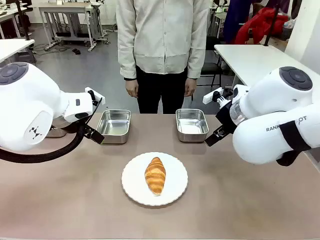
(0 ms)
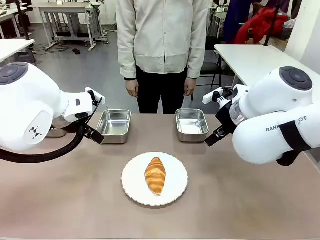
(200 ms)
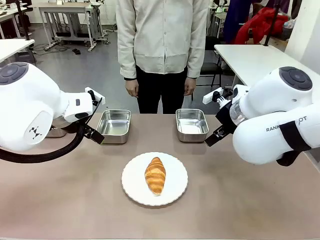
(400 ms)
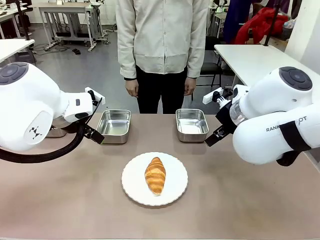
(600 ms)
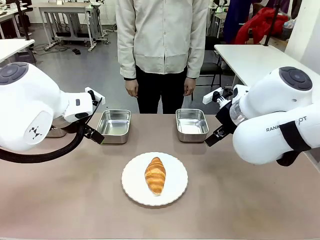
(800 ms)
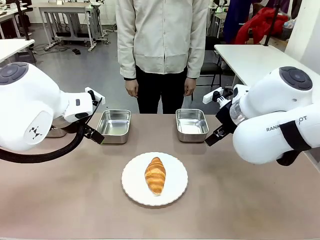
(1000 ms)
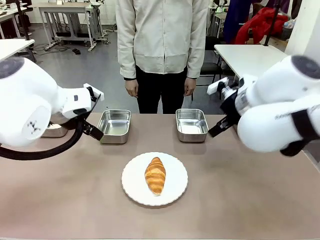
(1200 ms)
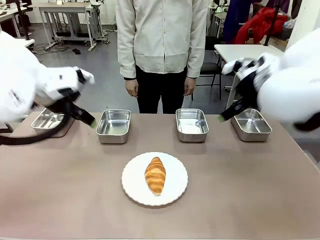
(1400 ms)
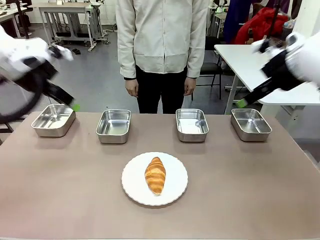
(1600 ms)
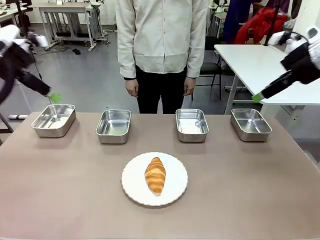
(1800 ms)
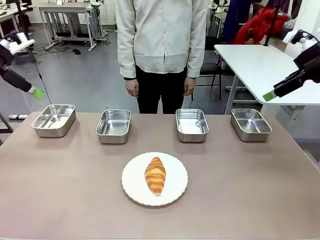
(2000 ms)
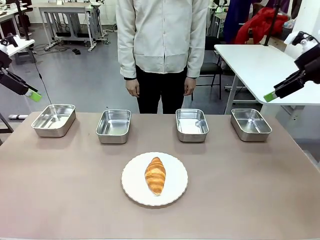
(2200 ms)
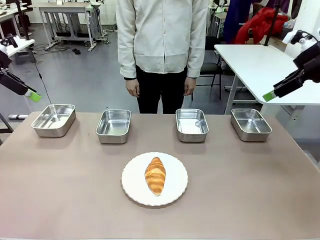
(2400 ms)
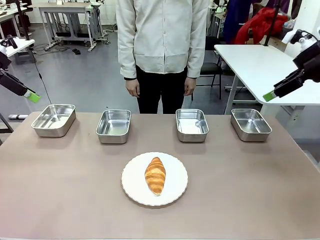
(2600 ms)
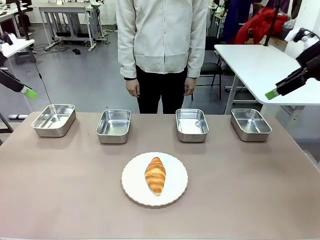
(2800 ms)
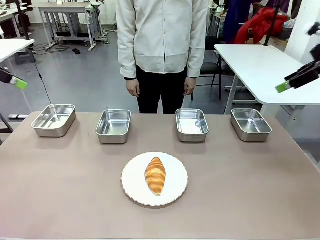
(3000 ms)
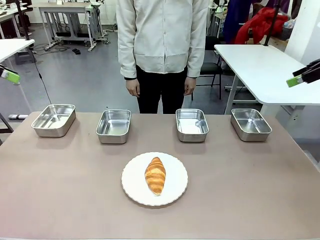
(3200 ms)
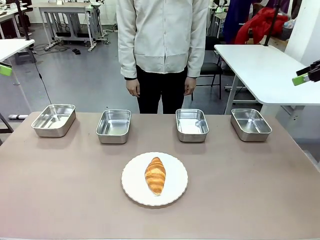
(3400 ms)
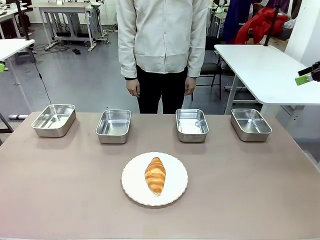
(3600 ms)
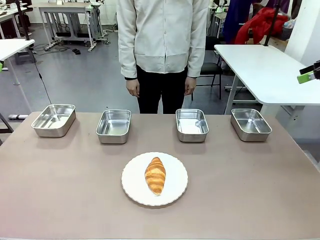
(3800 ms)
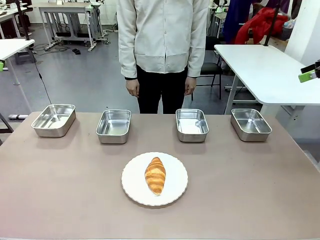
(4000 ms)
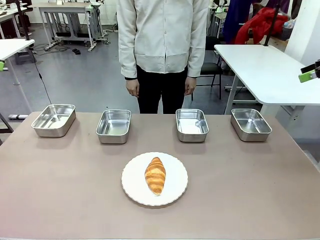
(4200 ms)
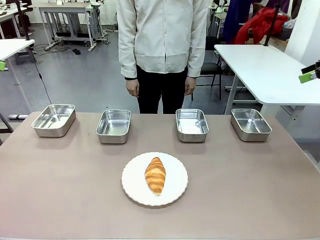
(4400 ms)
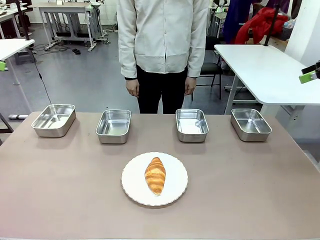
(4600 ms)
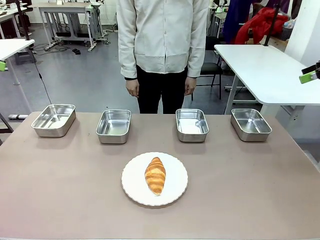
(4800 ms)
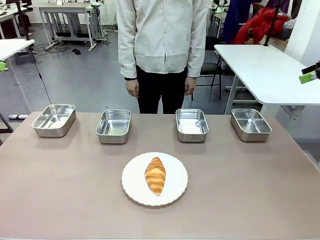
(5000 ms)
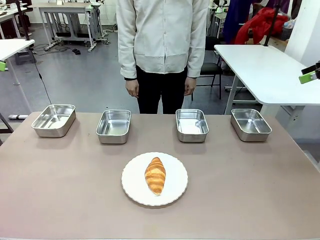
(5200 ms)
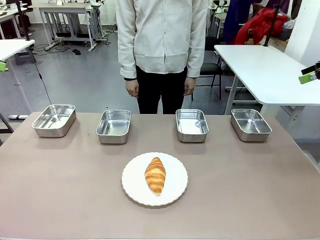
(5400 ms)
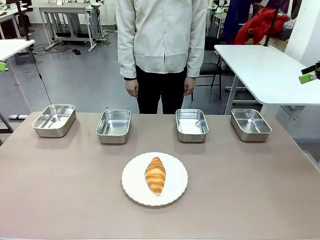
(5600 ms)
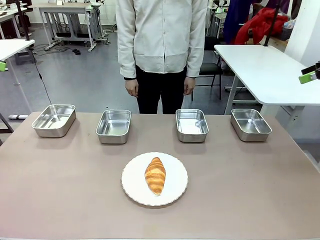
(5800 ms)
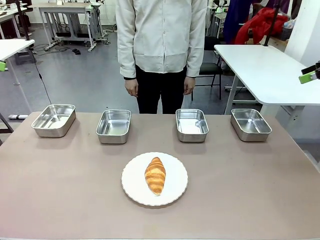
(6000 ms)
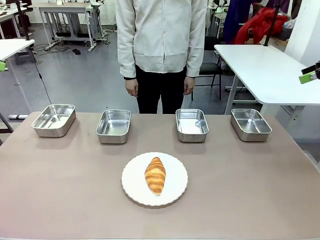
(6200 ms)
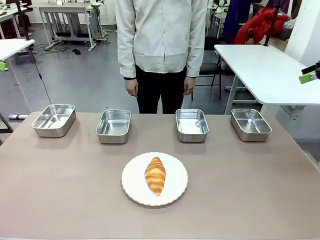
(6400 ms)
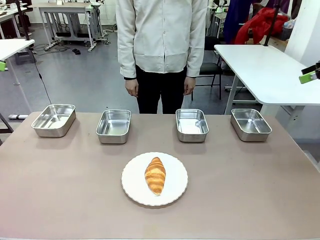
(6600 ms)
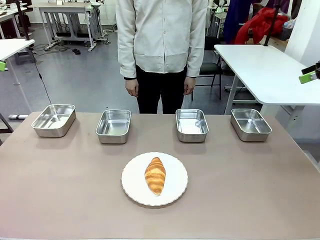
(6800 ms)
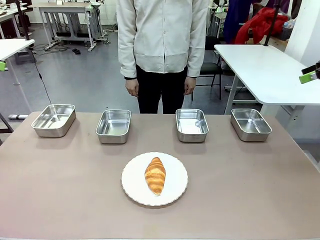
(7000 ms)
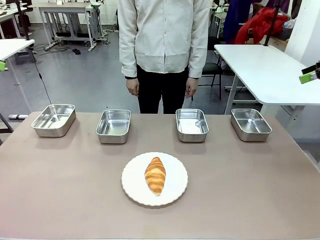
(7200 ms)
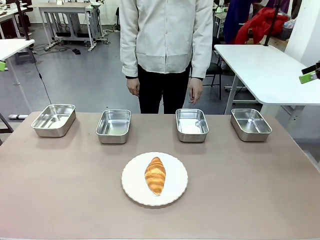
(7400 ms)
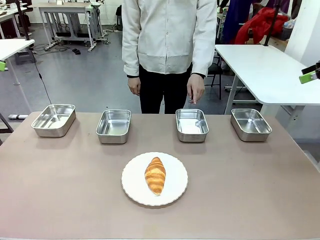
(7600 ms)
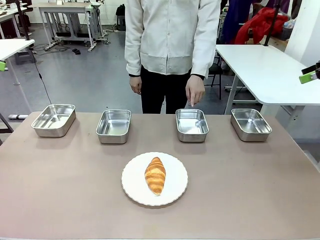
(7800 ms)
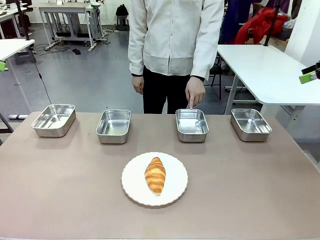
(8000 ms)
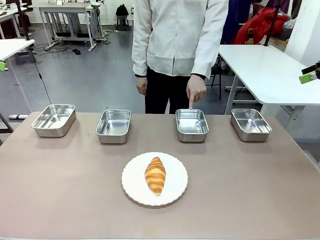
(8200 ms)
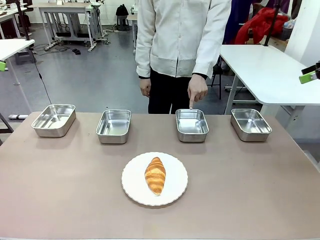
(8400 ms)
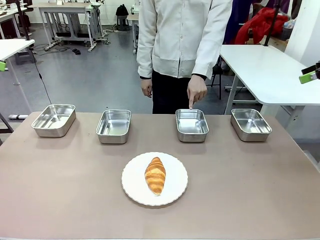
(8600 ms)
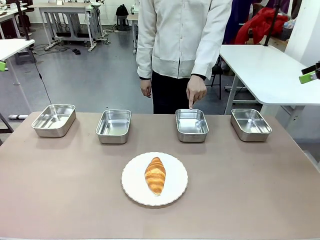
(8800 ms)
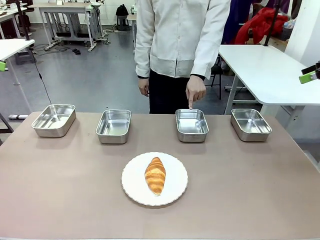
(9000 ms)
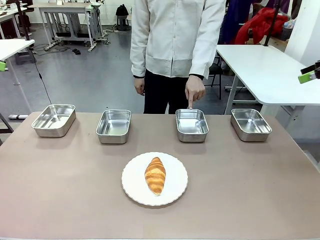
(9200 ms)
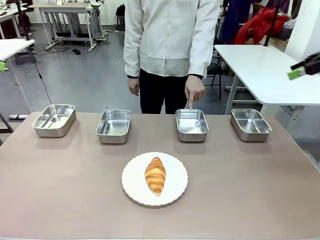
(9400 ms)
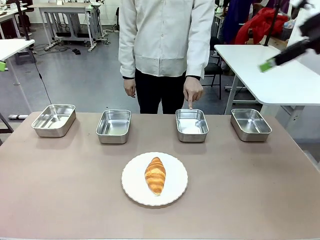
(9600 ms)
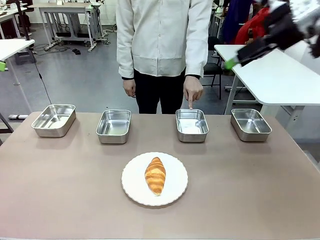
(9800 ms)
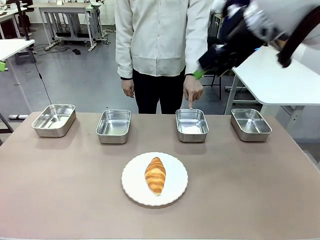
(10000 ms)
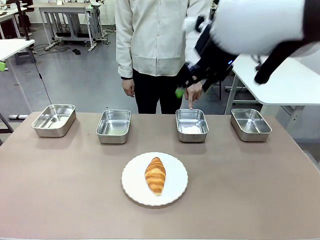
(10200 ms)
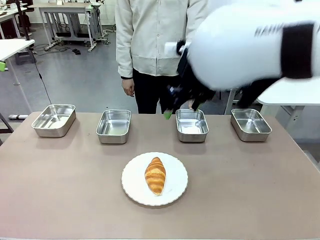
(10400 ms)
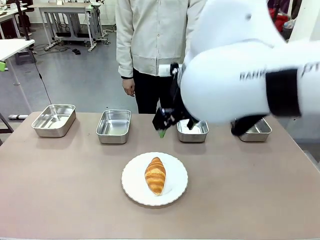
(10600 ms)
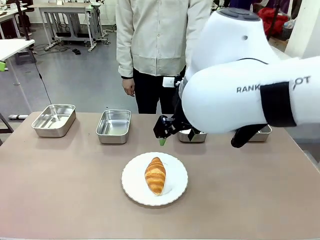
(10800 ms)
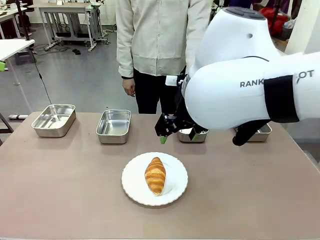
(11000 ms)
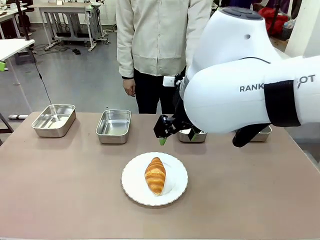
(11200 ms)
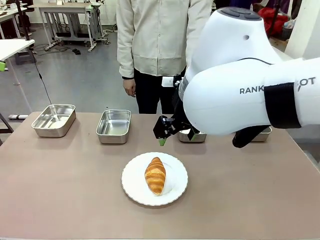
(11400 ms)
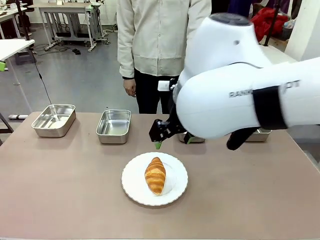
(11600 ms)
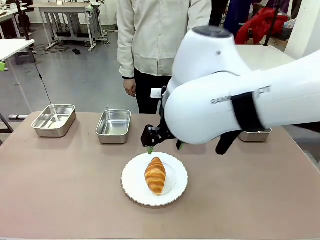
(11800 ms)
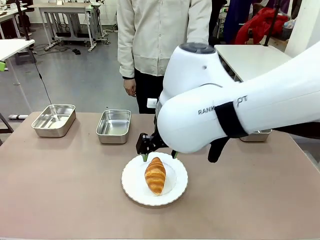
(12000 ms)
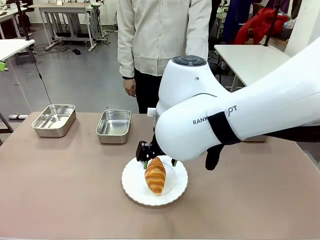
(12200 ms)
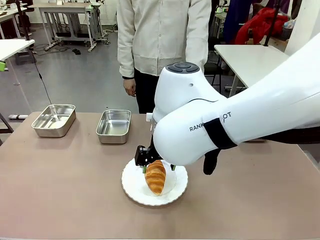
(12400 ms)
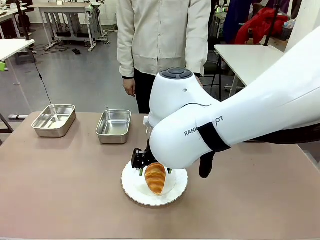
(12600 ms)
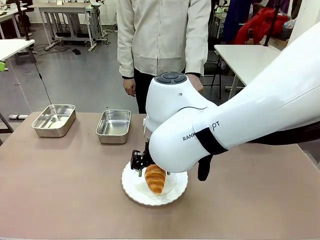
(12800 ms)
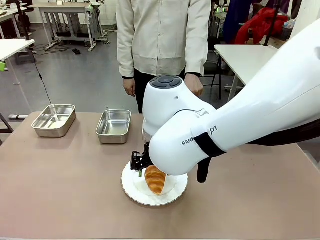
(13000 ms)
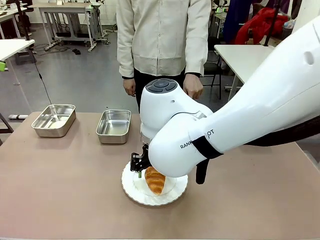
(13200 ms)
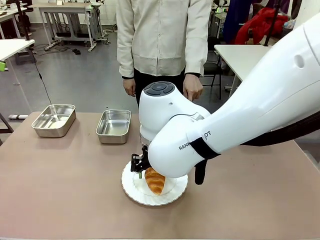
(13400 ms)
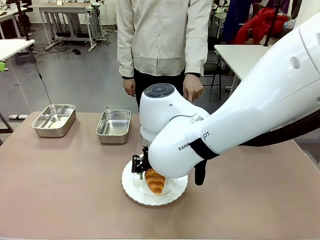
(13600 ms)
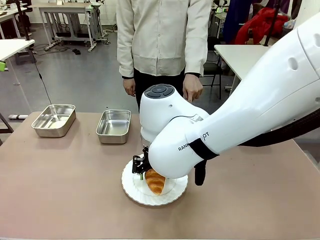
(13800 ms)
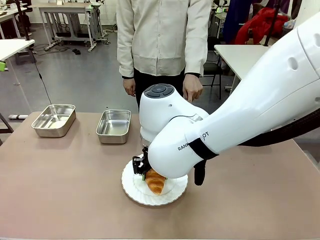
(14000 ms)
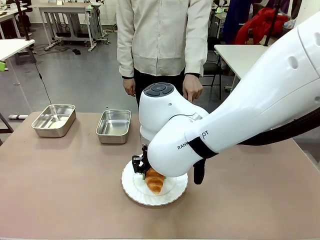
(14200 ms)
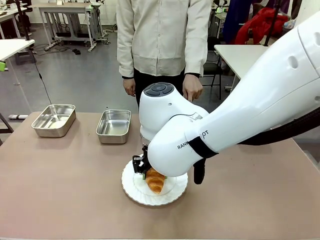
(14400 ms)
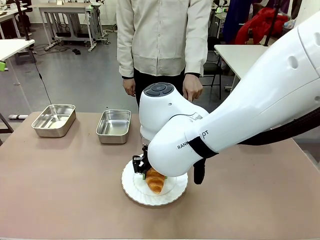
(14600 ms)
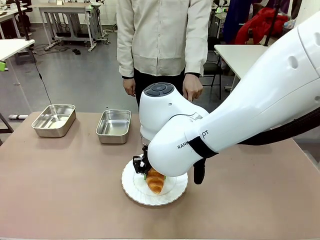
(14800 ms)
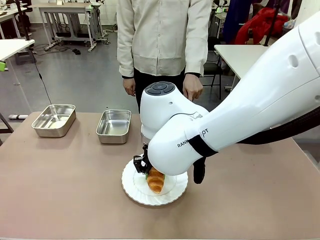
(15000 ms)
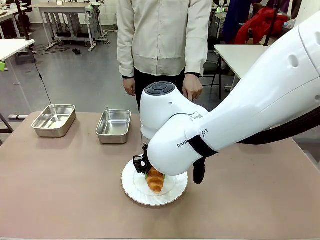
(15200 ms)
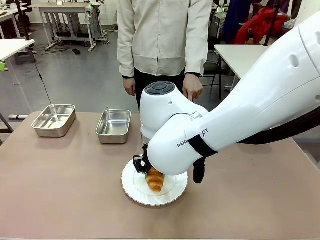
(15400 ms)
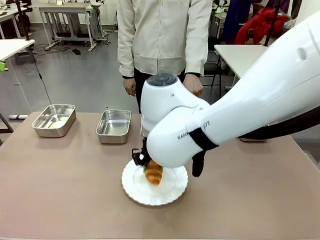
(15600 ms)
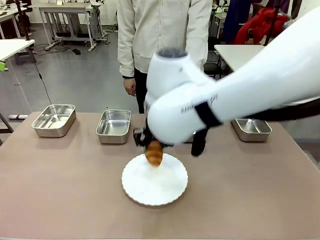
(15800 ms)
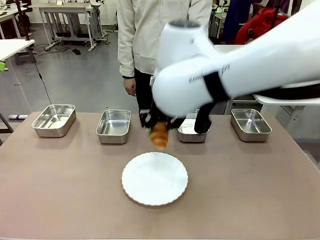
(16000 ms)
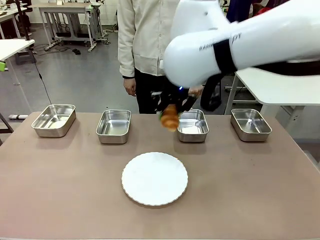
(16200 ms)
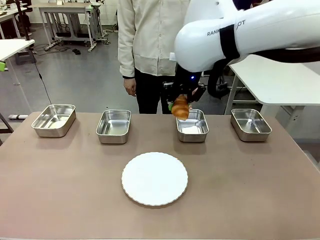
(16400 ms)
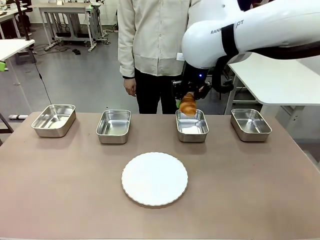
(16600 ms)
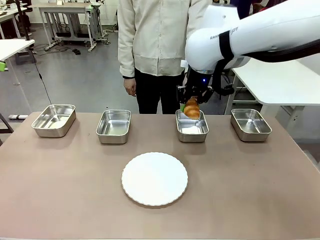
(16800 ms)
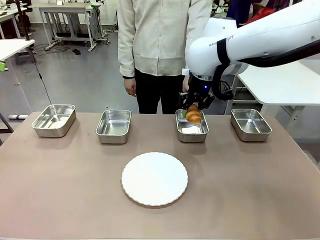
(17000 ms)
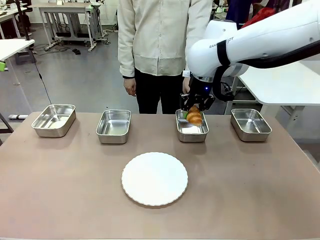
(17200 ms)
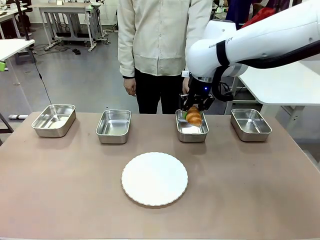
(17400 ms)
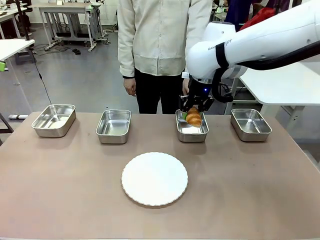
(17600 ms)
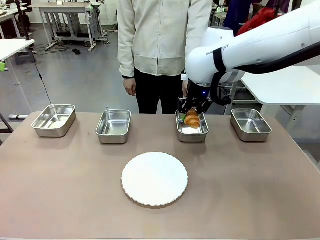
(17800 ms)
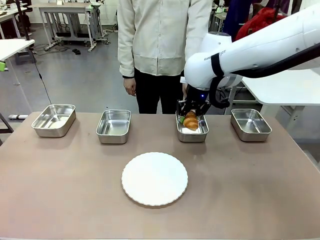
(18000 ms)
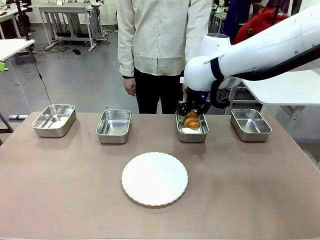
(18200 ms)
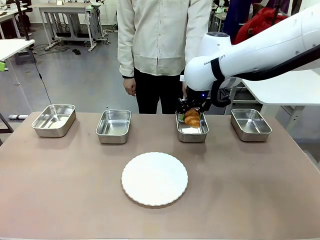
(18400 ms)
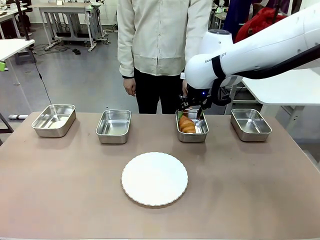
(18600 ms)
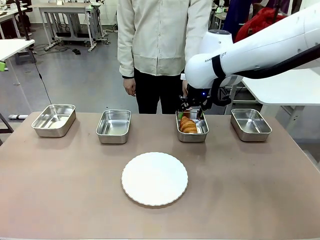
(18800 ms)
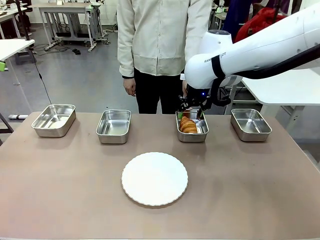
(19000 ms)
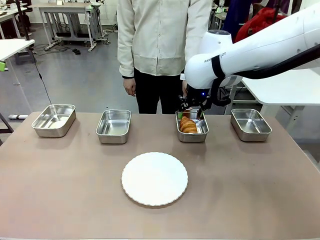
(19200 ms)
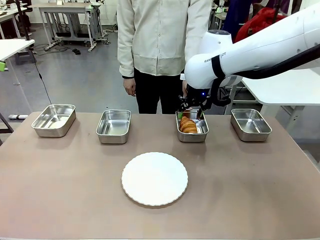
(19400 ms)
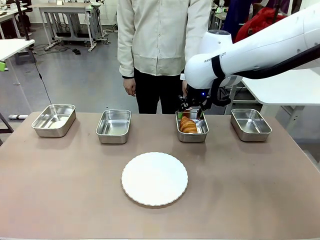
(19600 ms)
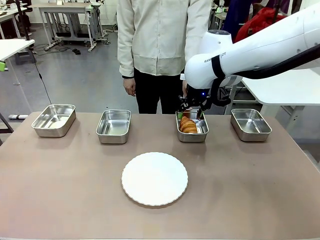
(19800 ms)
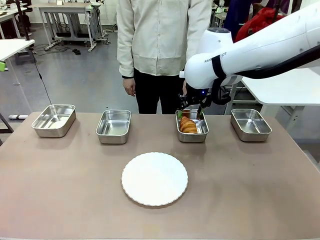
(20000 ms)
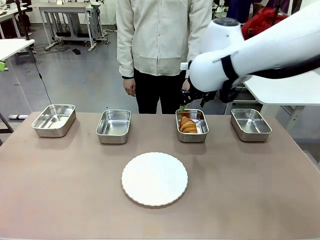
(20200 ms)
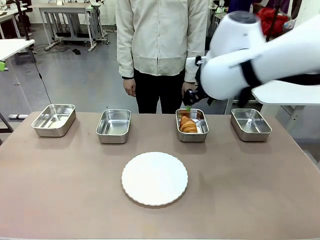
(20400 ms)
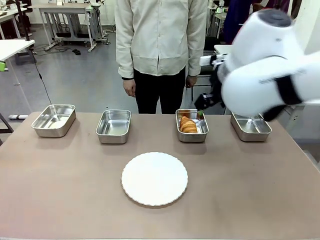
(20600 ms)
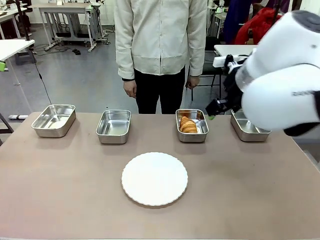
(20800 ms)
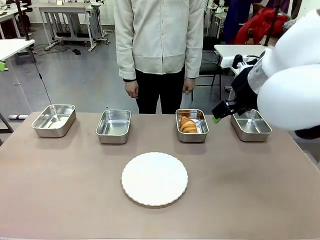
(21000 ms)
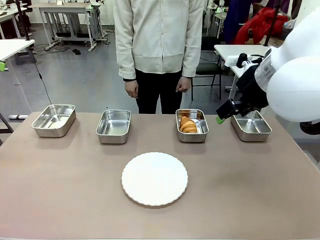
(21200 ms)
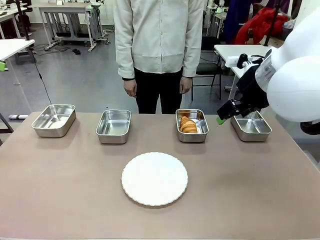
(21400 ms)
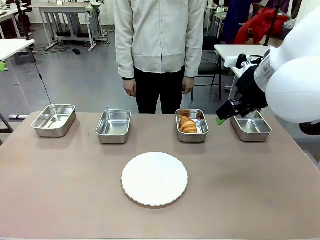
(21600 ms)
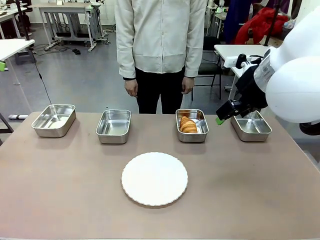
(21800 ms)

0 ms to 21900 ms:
Task: Place the bread in the container.
Robot: Place the Butter Roll into the Airtight Container indicated by the human.
Person: A person randomly selects and points to an Airtight Container.
